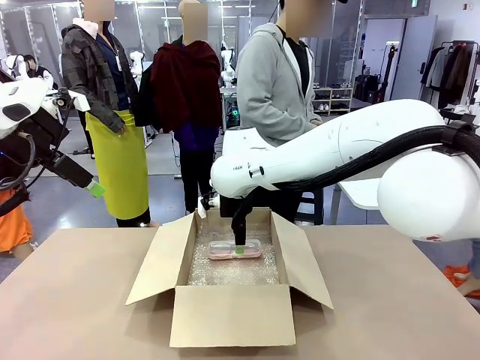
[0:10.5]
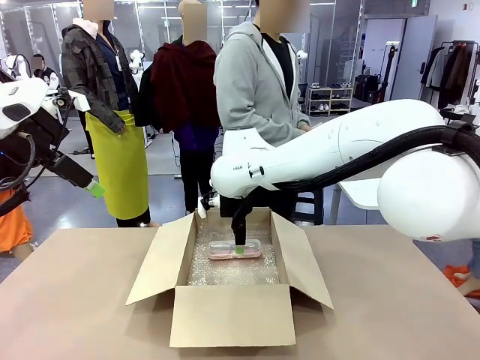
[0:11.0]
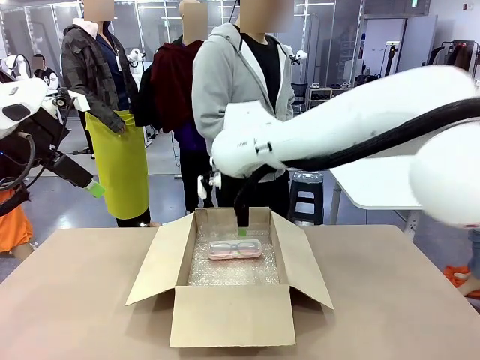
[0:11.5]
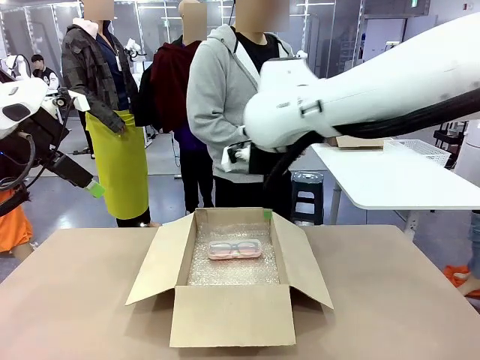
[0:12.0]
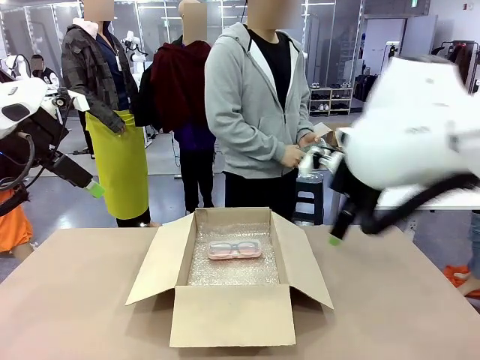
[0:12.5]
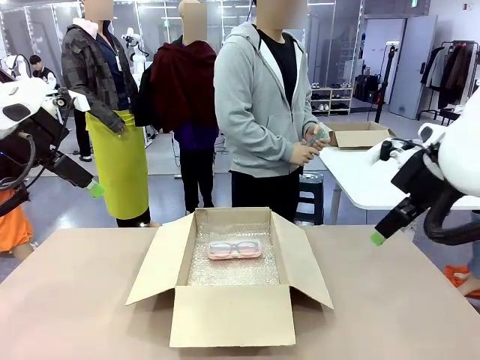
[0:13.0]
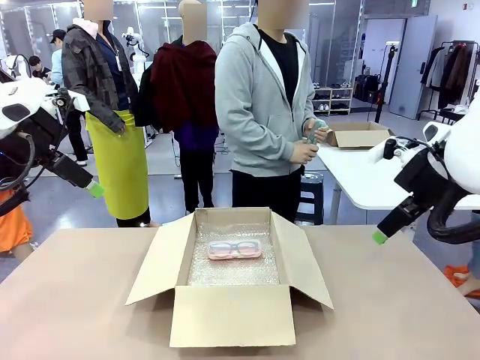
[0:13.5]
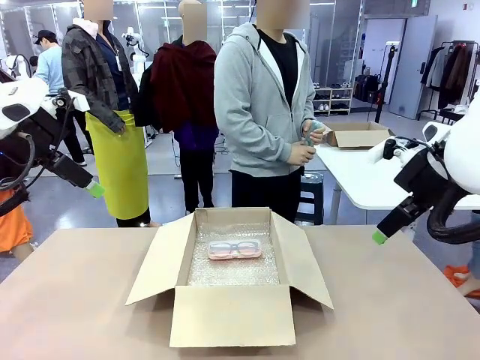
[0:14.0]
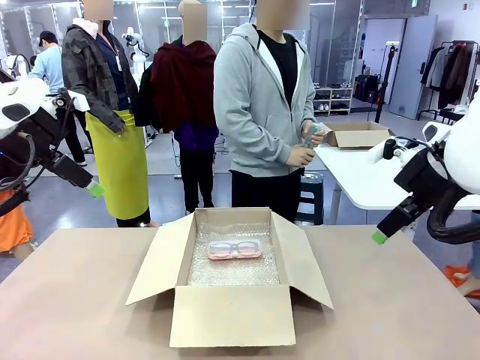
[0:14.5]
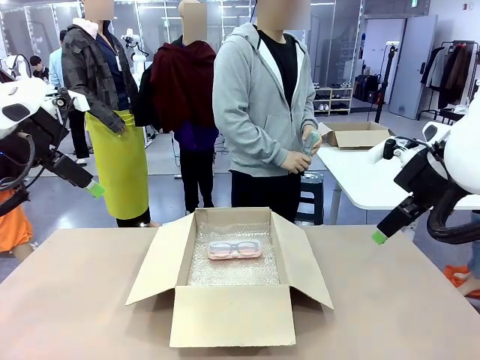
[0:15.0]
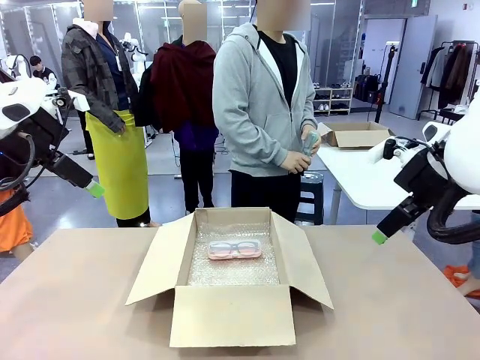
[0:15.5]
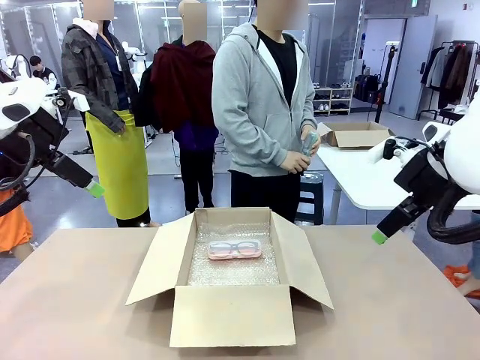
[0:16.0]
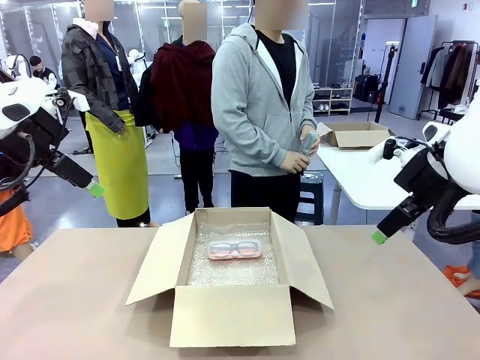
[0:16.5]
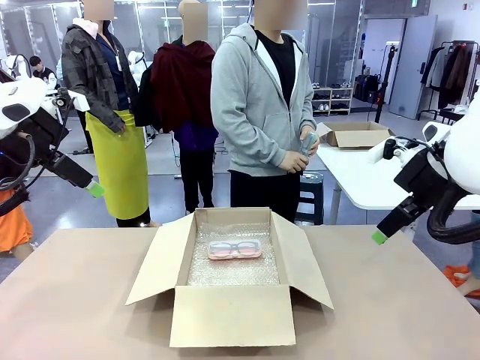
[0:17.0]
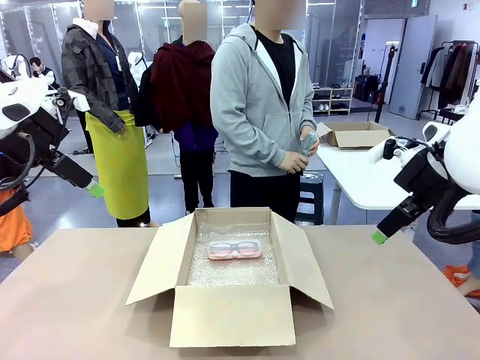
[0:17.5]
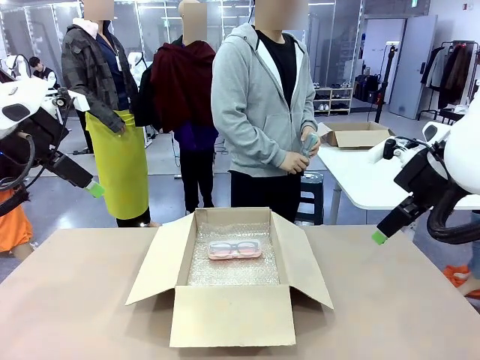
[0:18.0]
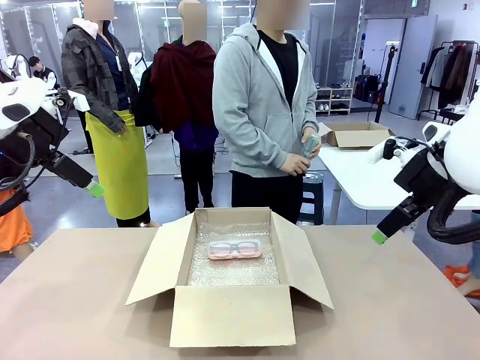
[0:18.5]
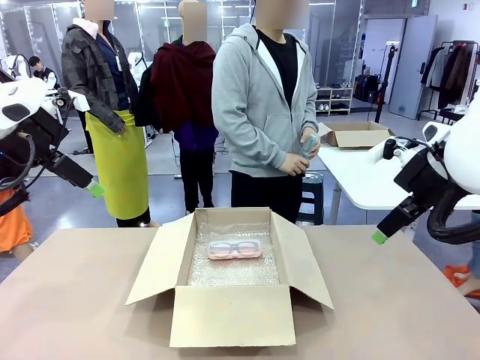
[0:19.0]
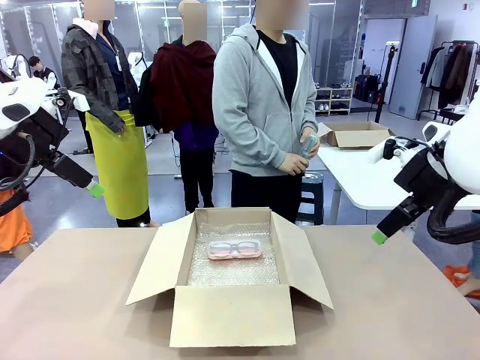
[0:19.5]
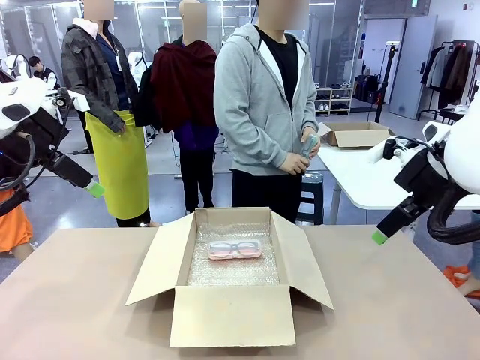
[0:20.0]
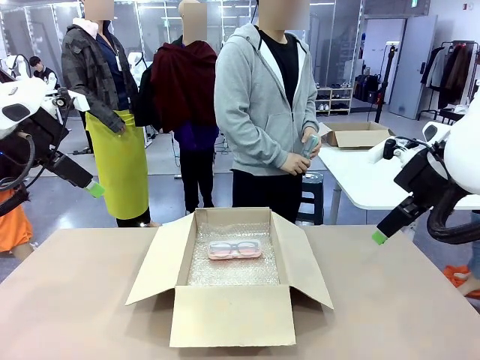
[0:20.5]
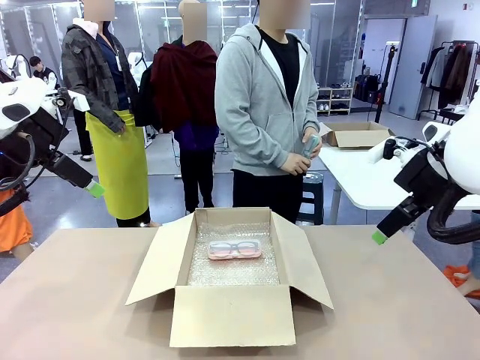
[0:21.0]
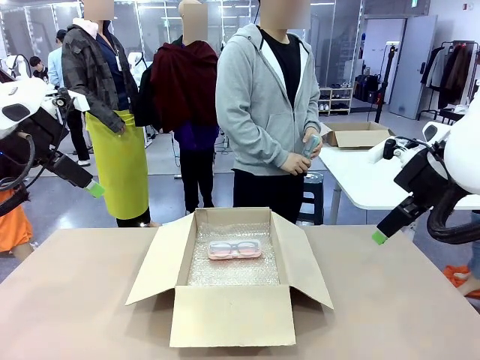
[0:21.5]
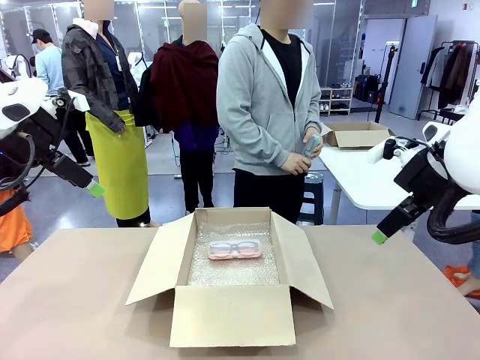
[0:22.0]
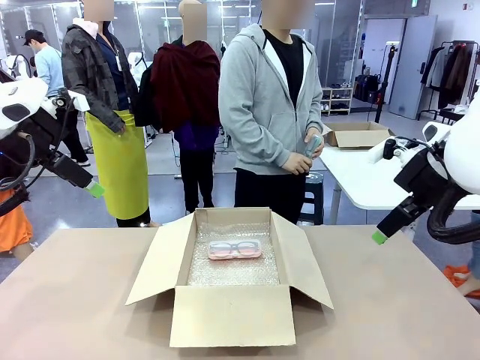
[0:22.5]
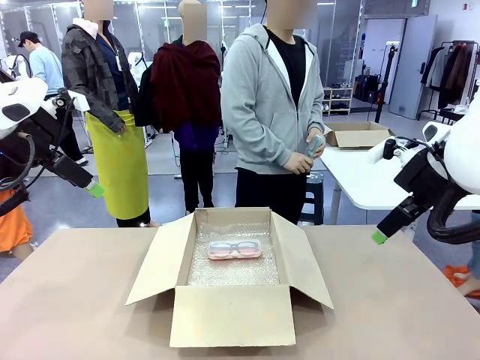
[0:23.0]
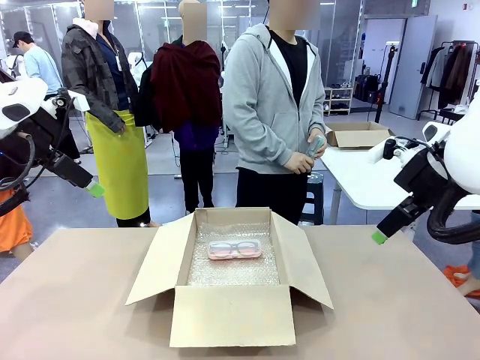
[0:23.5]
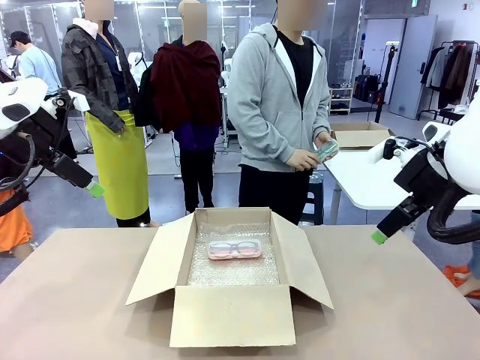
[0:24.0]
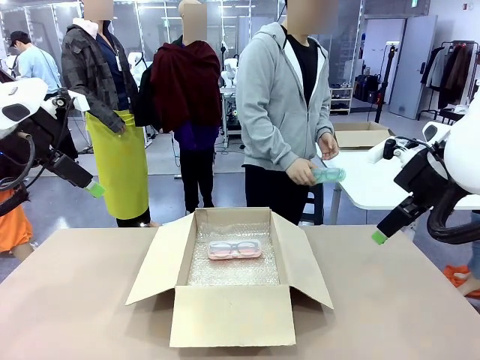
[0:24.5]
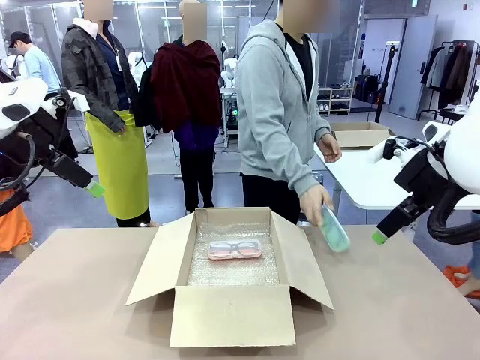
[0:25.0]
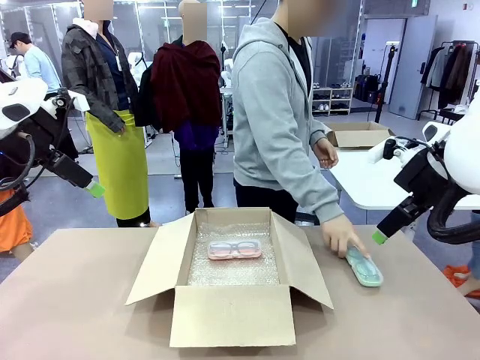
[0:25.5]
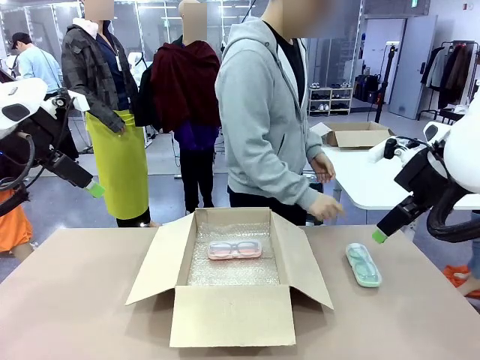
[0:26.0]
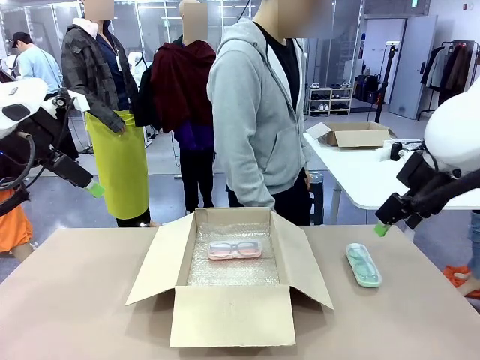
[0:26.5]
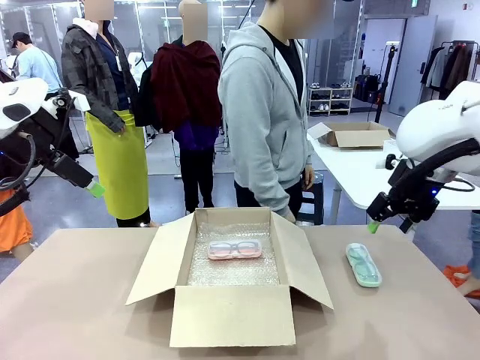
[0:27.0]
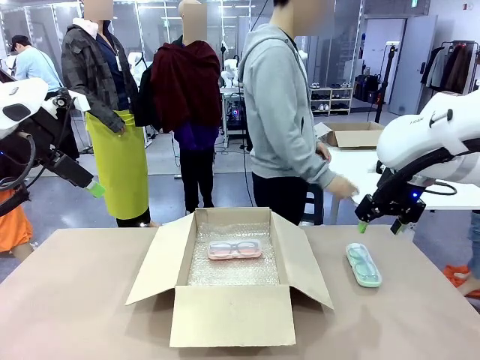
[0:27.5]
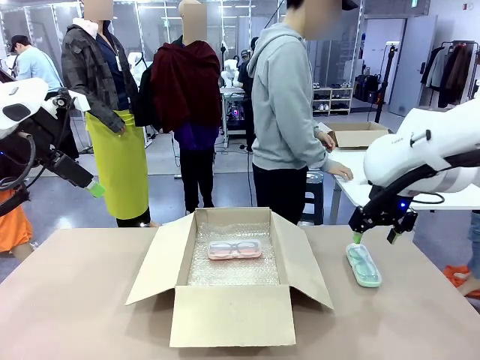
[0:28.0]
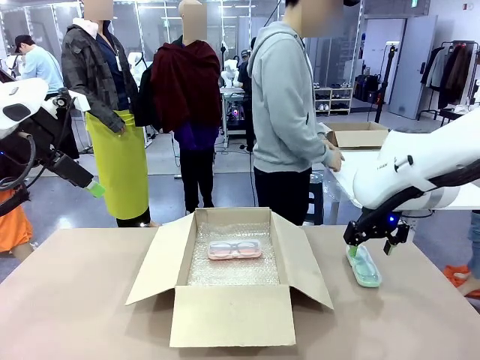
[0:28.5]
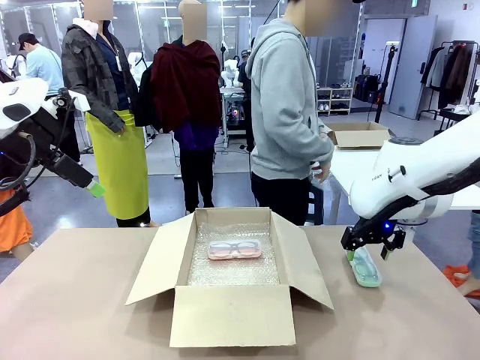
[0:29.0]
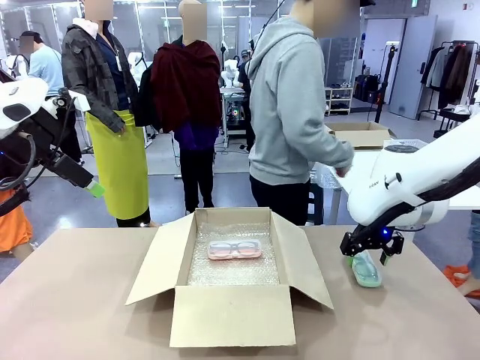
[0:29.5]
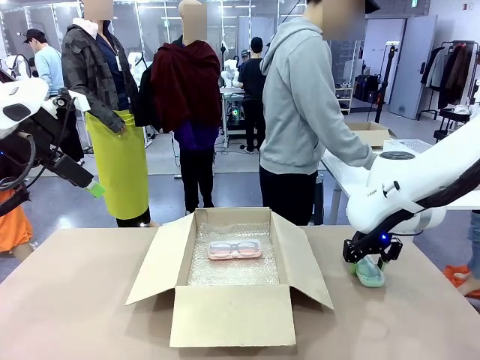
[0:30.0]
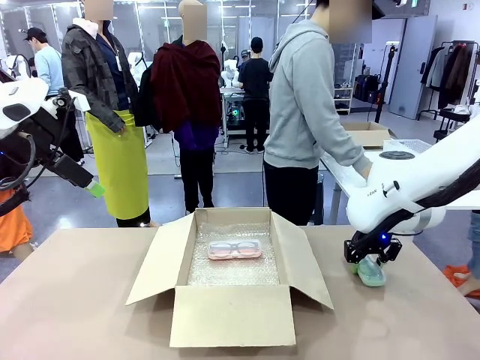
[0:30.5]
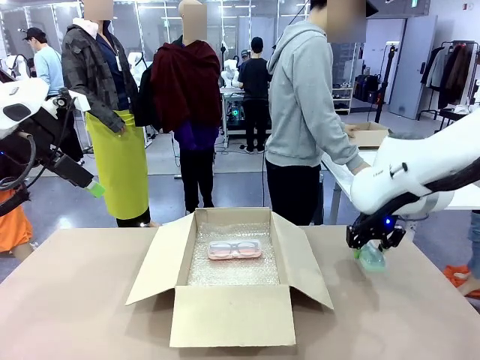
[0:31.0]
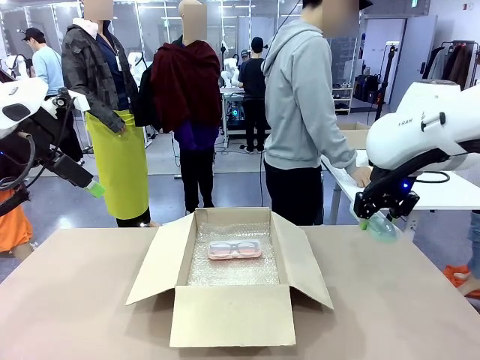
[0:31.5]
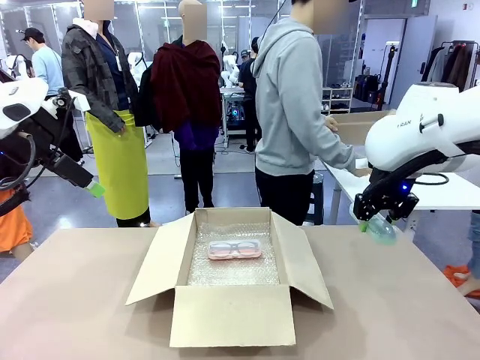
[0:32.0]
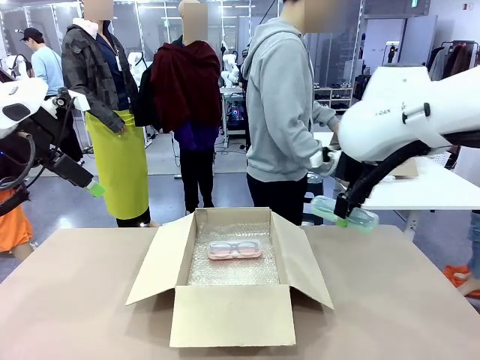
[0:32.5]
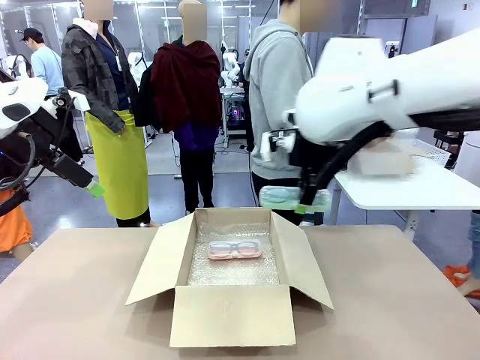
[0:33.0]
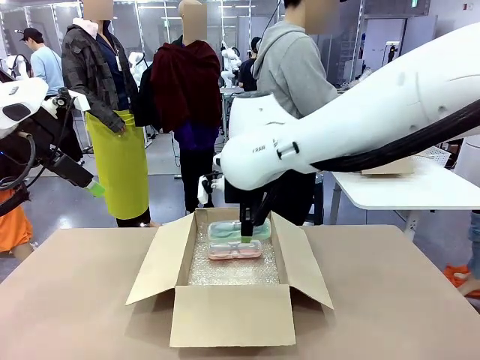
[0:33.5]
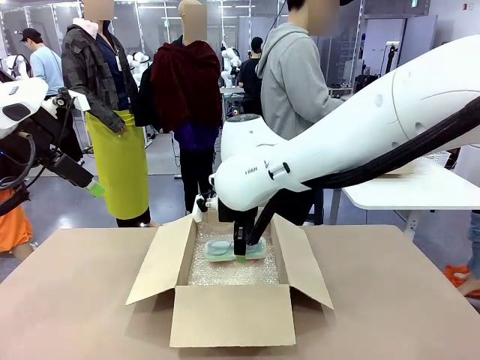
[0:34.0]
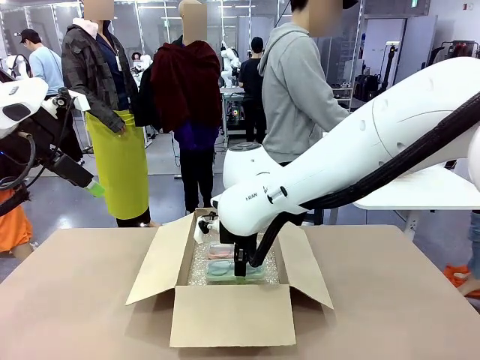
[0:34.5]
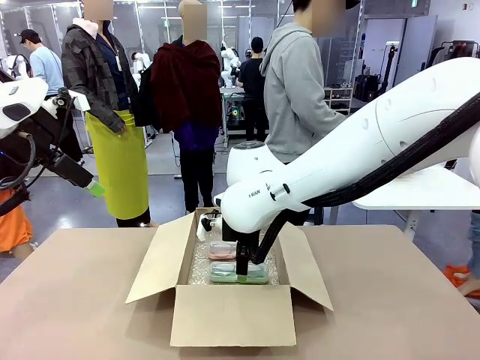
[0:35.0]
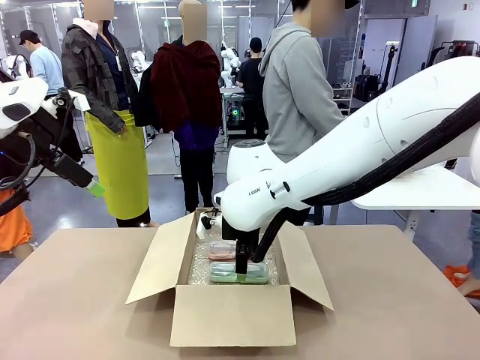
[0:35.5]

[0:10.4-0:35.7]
Task: Pack the glasses set securely to prepare it for shipping.
Robot: Put the Glasses case from the right side of the table into the Package Box.
Person: Position the Glasses case on the left side of the robot's table.
